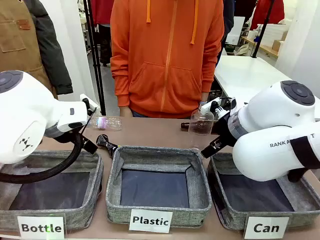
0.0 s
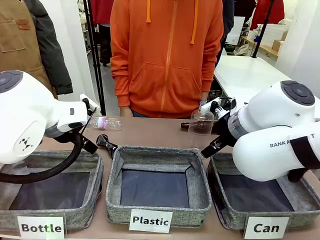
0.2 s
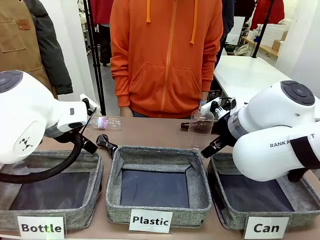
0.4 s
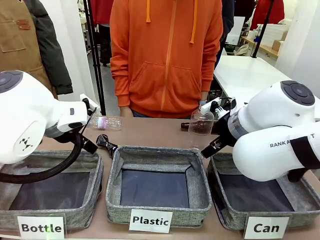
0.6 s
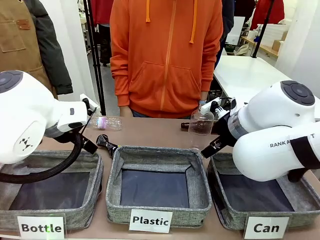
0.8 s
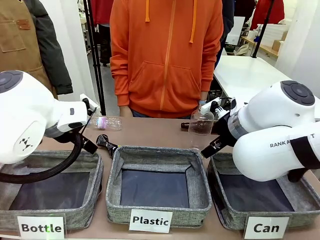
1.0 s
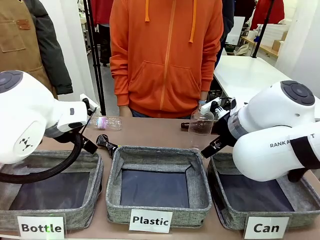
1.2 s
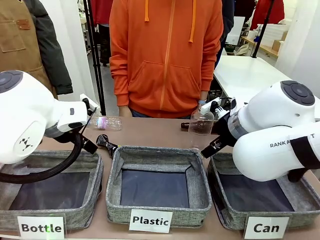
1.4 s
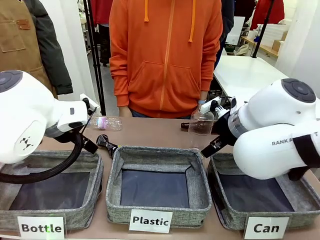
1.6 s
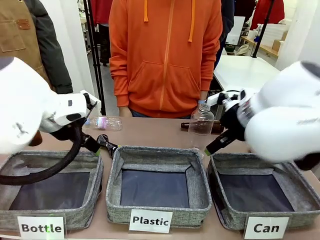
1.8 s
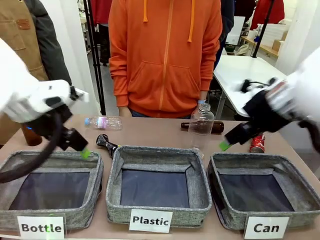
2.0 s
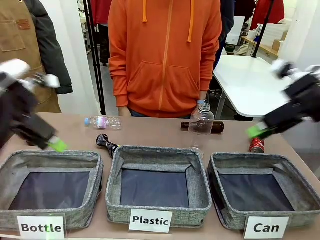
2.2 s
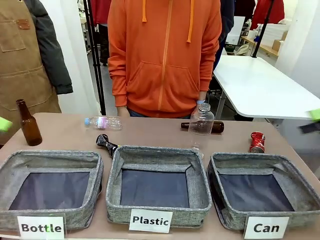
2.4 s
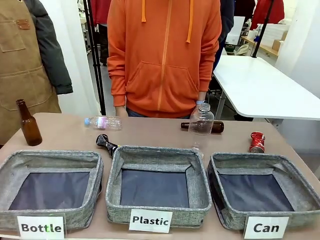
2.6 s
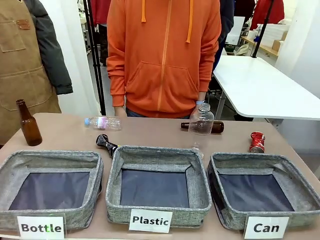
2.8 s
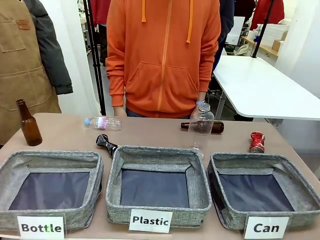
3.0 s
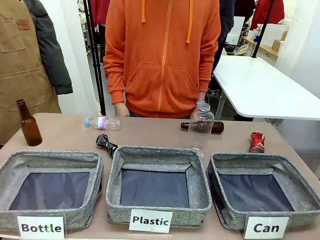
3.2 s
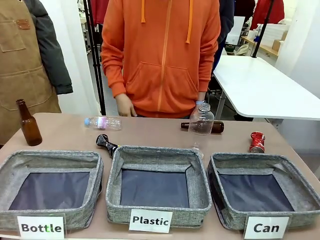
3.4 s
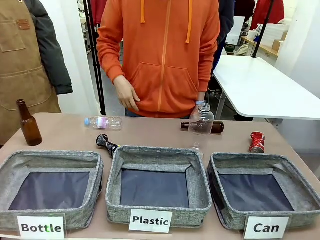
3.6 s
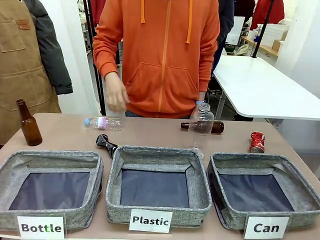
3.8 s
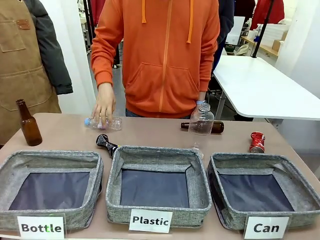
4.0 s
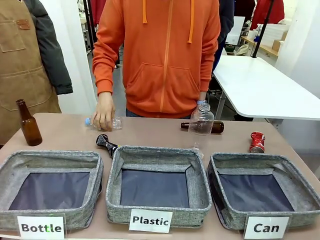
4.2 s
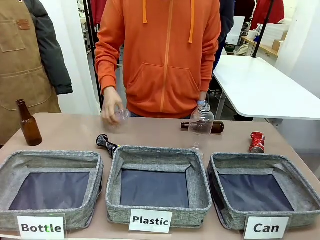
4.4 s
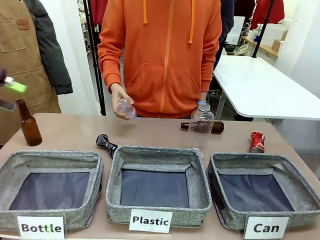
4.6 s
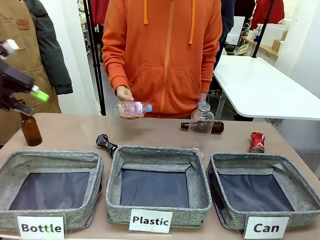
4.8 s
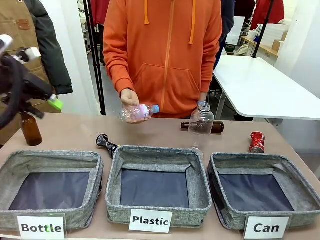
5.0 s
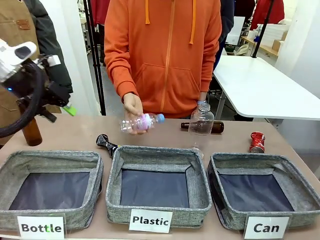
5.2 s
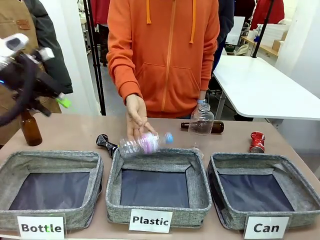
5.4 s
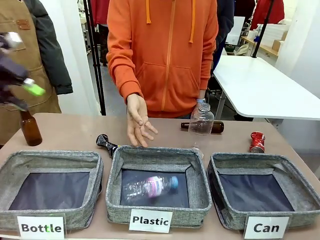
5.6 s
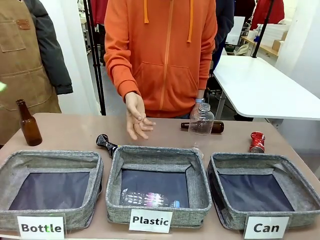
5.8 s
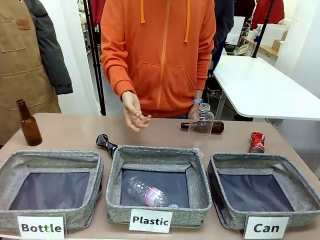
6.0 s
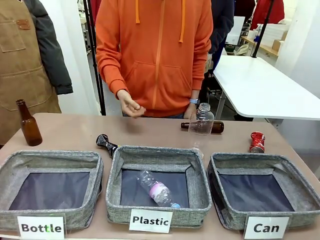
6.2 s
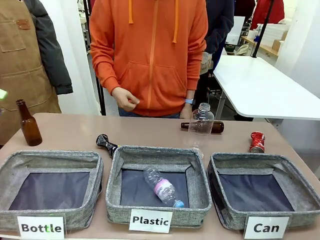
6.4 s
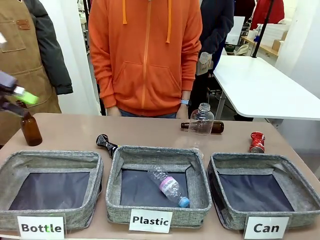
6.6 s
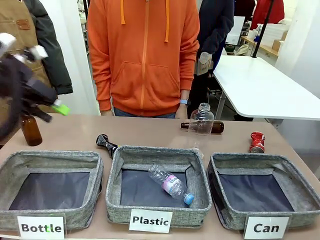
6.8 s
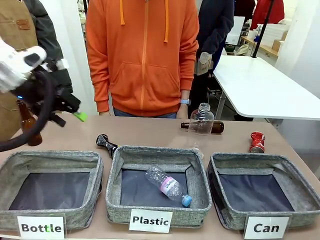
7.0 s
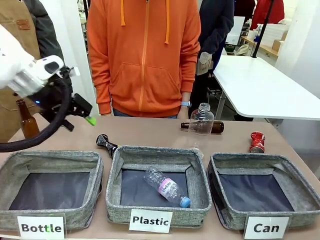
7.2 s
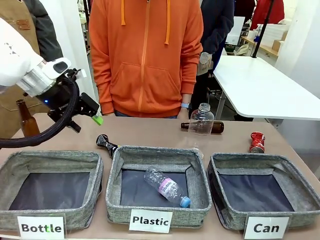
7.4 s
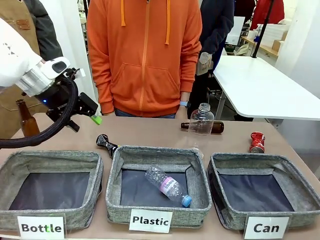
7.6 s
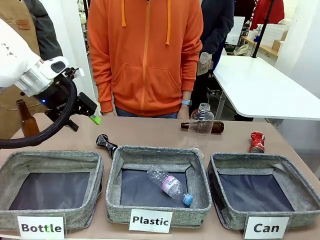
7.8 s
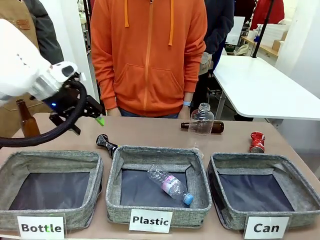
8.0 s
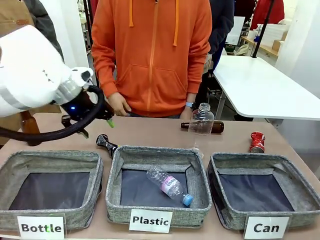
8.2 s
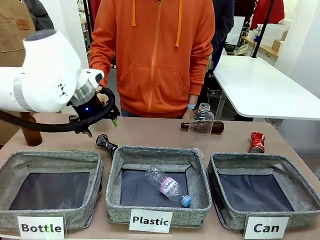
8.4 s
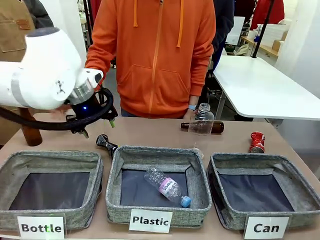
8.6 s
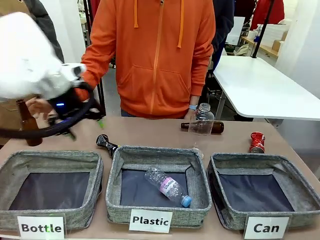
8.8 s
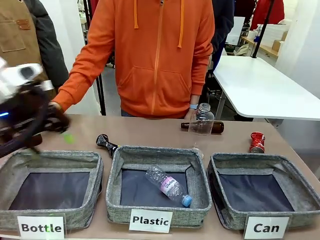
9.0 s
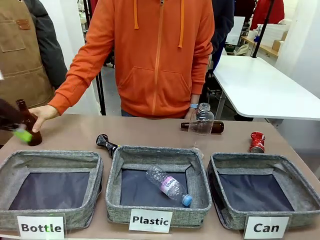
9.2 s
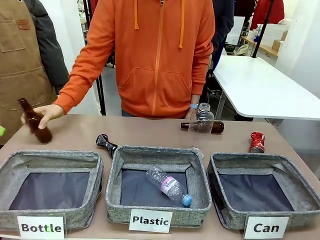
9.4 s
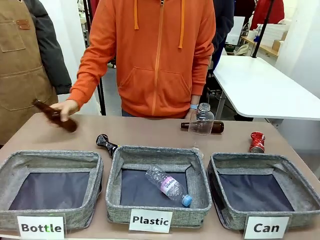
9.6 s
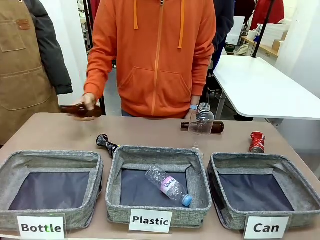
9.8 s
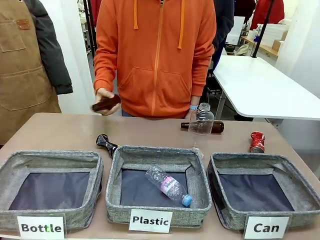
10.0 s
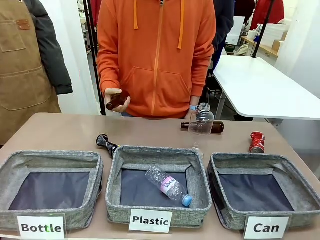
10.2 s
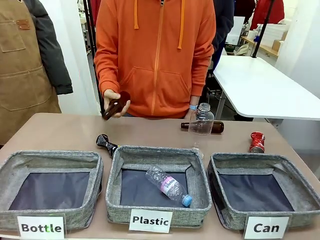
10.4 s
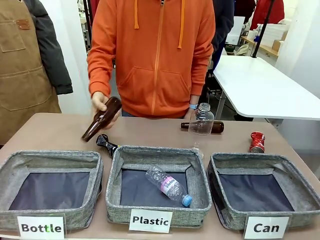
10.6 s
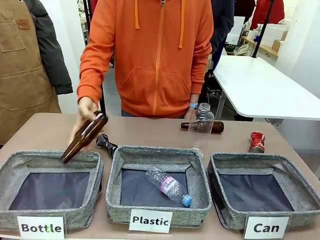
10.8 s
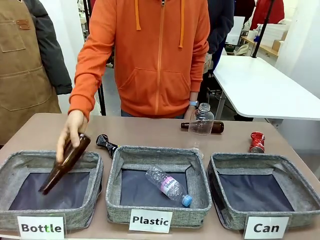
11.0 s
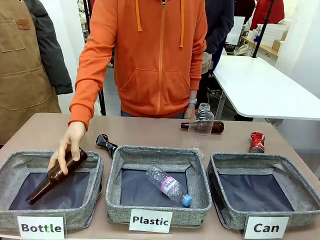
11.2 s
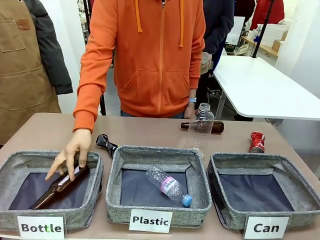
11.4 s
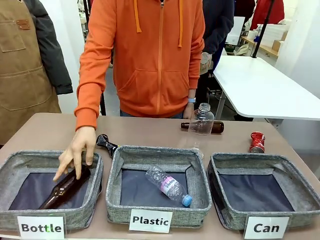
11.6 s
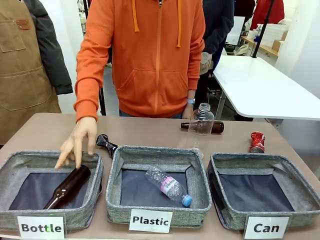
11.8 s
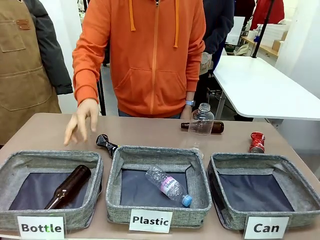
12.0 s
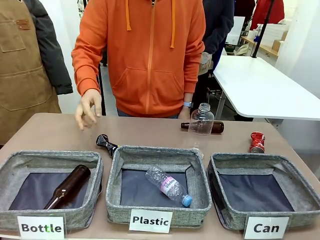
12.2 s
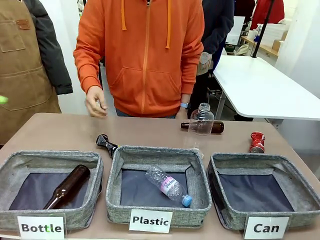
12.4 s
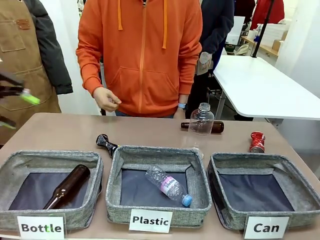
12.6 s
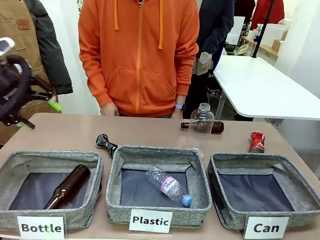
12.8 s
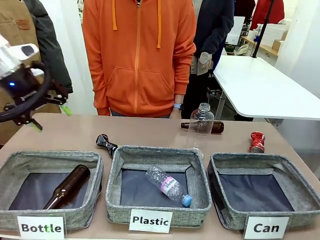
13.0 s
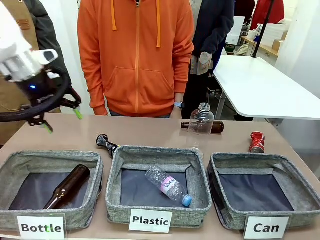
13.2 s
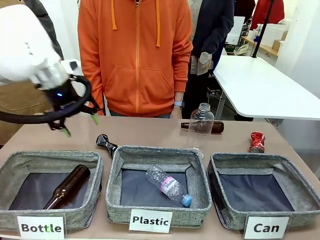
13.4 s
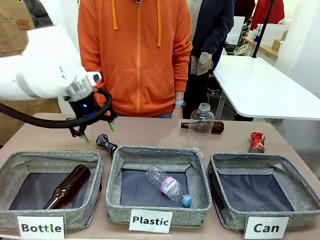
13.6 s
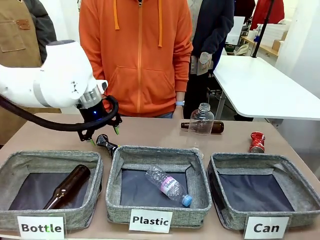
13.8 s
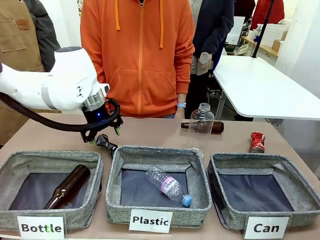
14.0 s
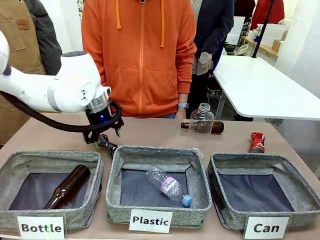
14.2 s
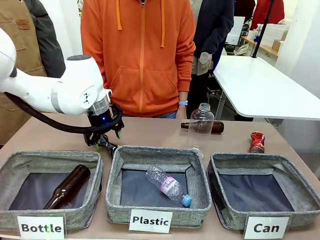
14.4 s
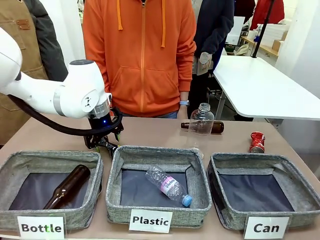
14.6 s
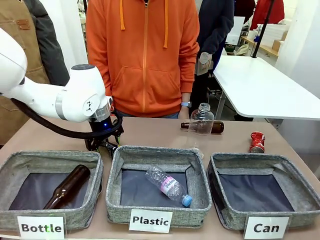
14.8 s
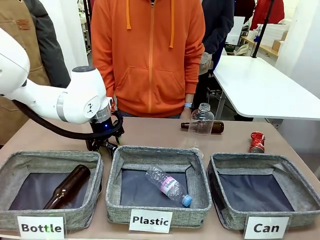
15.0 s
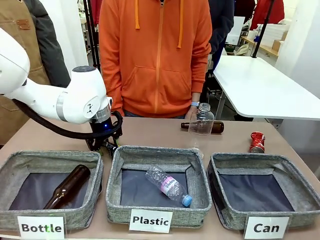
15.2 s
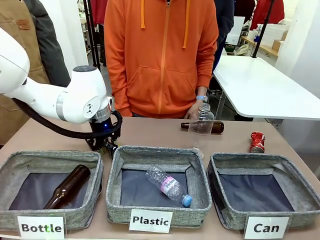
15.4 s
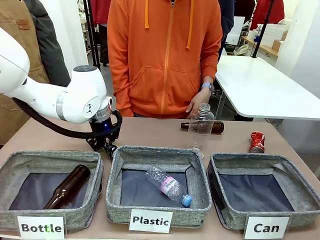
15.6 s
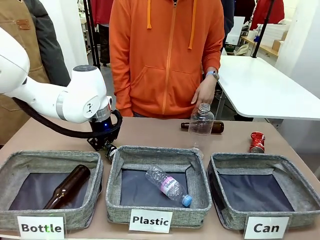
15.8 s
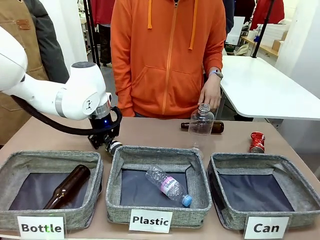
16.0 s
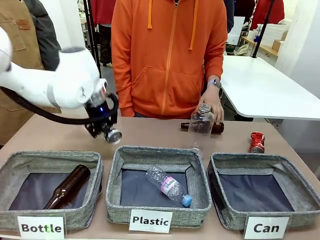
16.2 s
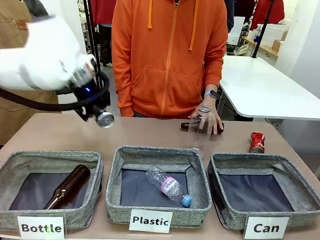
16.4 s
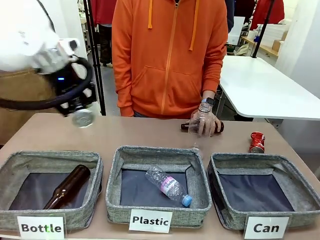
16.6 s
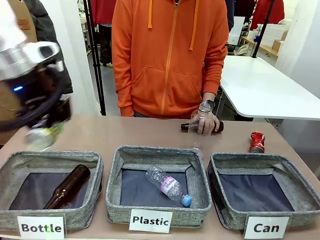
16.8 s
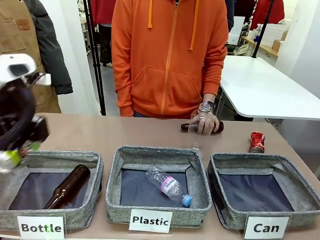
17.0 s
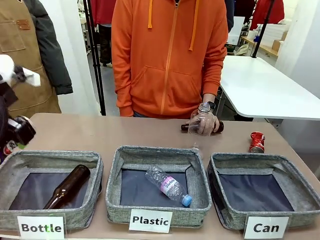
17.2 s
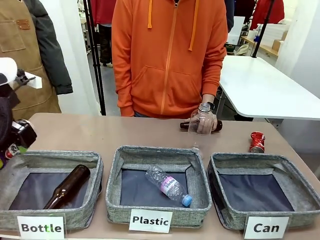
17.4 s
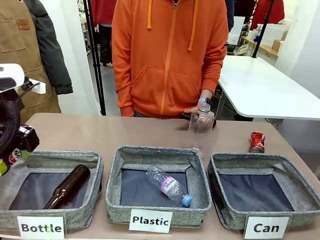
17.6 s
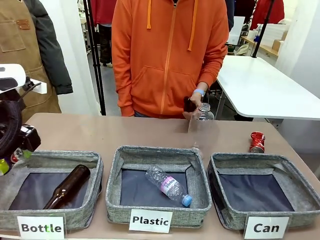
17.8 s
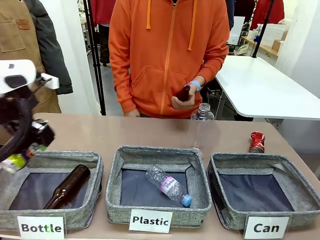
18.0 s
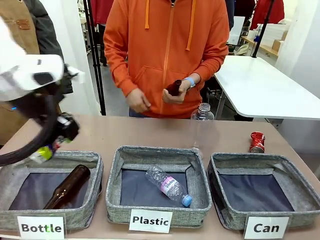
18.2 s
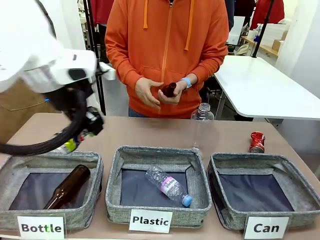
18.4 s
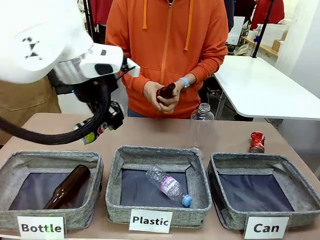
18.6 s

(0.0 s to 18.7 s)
Task: Sort the can waste into the basket.
Robot: Pick up the can waste from the table and place it in the right Fabric basket.
